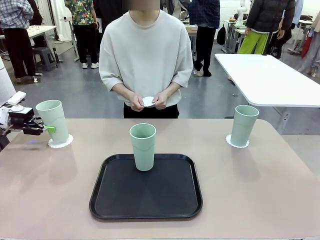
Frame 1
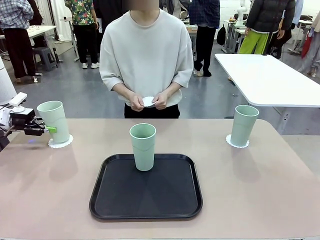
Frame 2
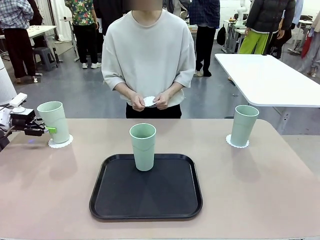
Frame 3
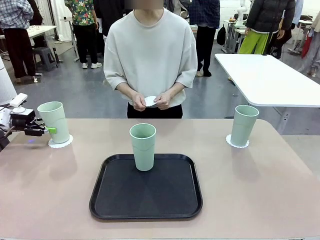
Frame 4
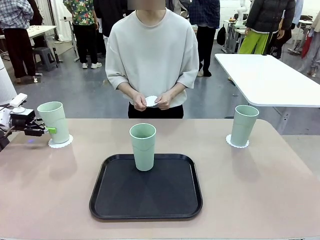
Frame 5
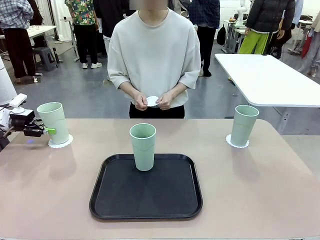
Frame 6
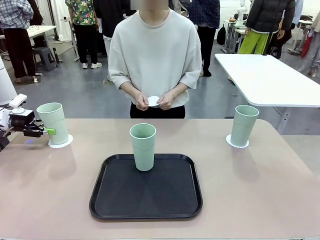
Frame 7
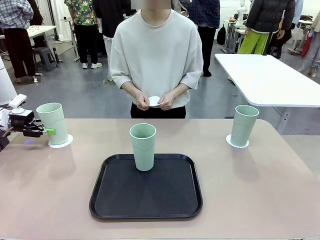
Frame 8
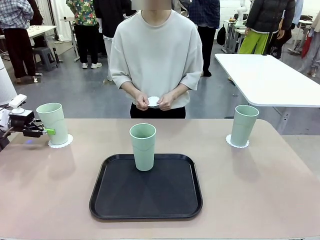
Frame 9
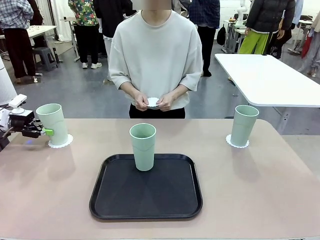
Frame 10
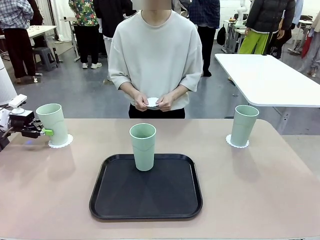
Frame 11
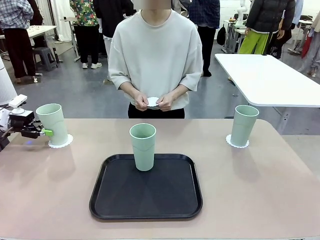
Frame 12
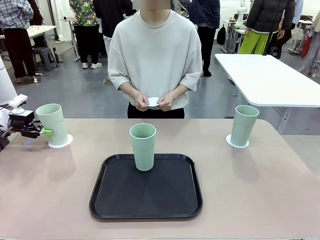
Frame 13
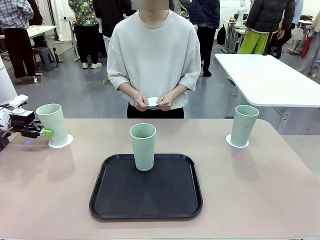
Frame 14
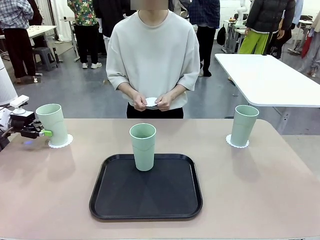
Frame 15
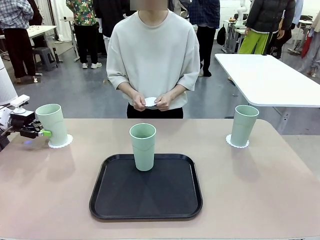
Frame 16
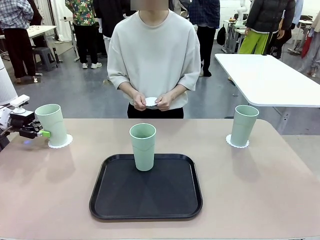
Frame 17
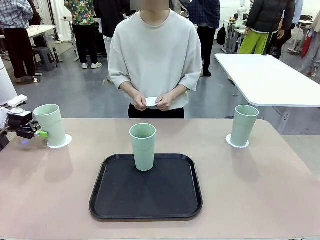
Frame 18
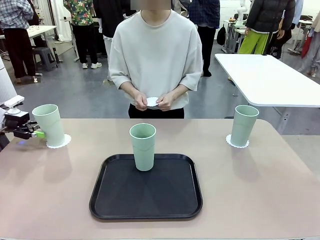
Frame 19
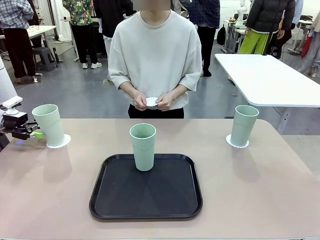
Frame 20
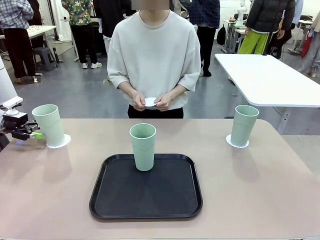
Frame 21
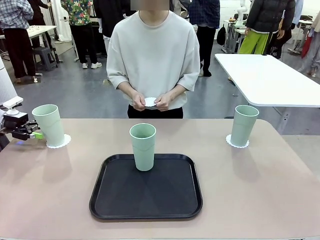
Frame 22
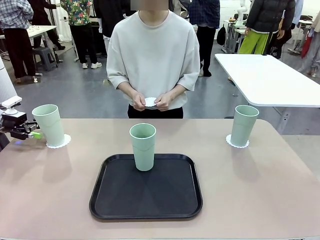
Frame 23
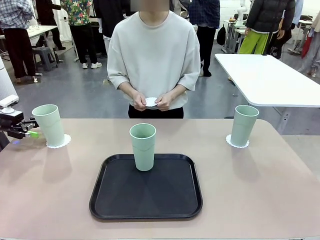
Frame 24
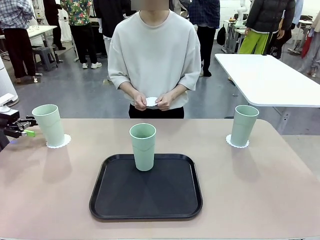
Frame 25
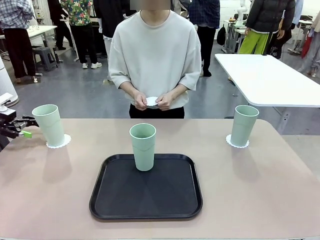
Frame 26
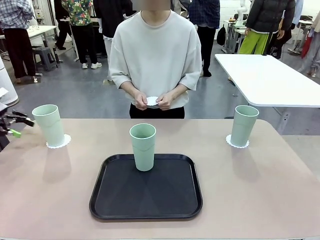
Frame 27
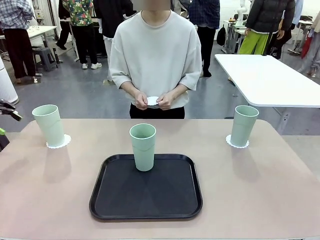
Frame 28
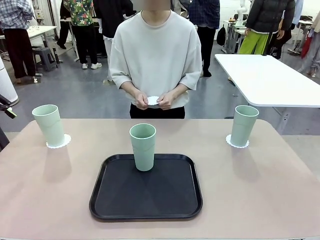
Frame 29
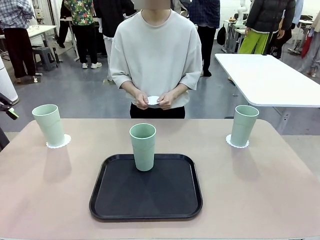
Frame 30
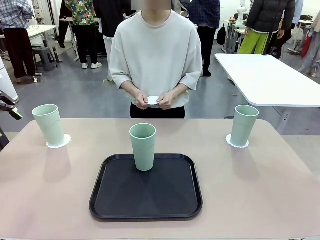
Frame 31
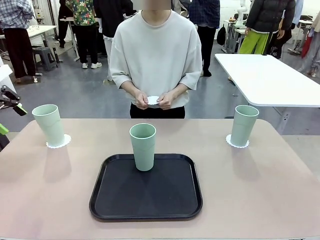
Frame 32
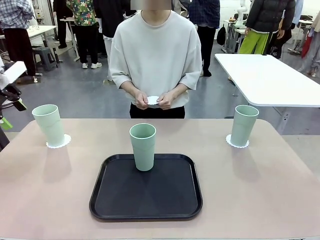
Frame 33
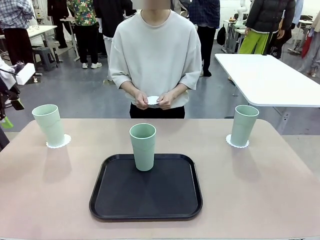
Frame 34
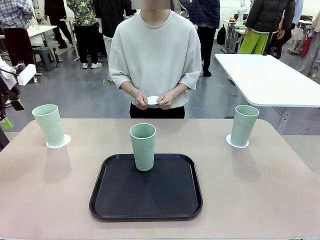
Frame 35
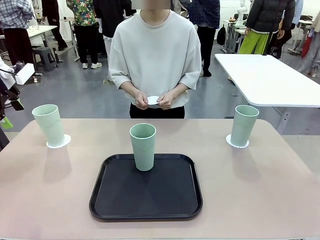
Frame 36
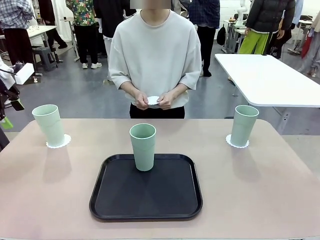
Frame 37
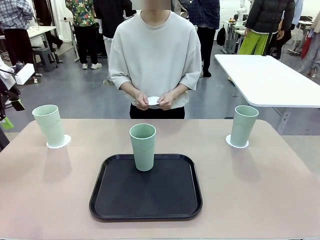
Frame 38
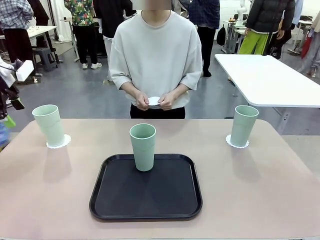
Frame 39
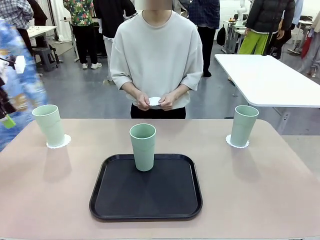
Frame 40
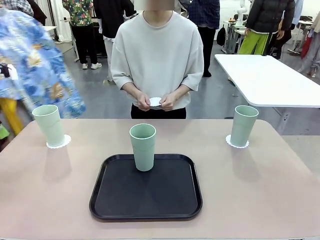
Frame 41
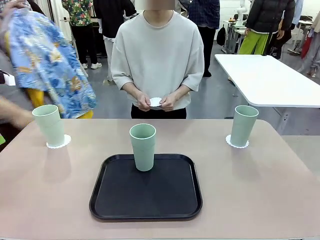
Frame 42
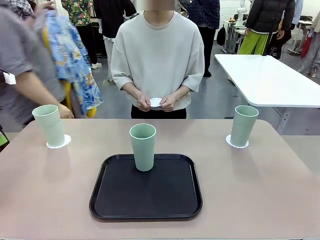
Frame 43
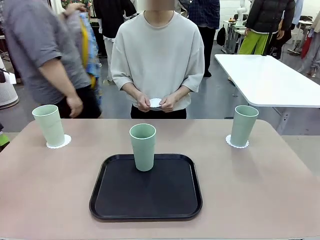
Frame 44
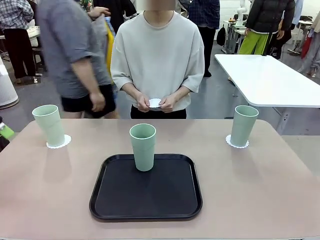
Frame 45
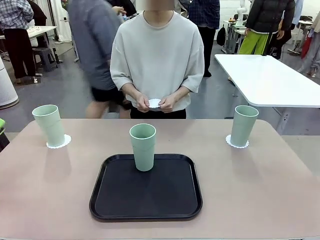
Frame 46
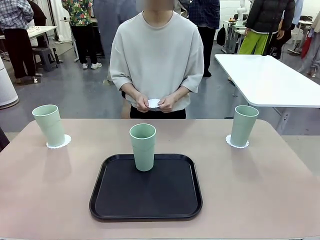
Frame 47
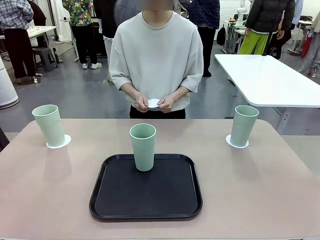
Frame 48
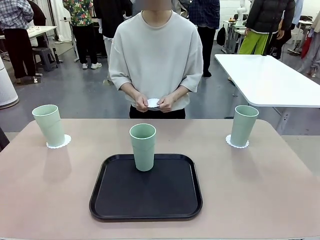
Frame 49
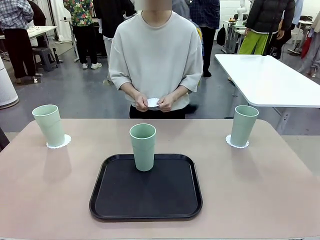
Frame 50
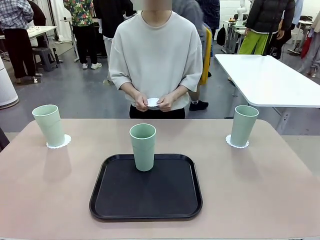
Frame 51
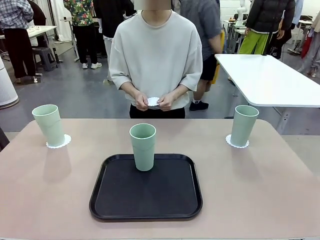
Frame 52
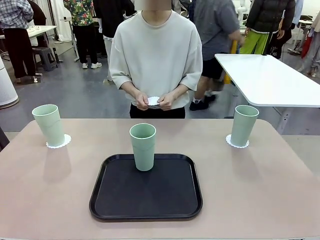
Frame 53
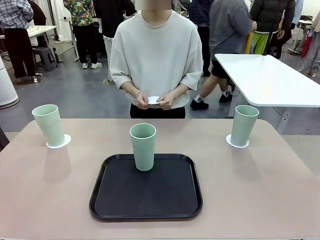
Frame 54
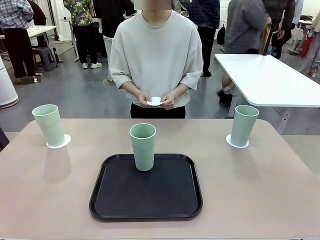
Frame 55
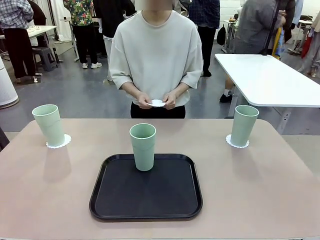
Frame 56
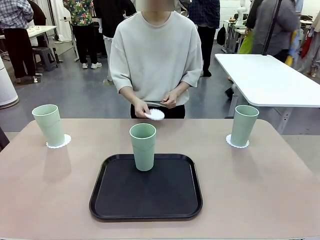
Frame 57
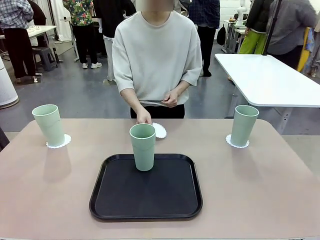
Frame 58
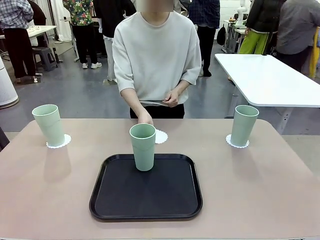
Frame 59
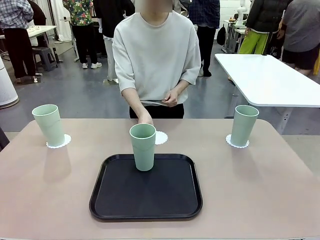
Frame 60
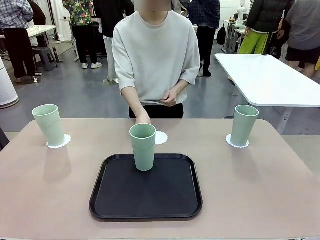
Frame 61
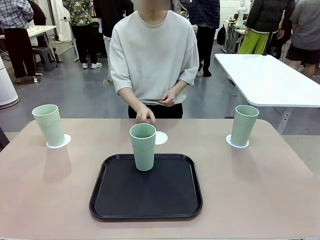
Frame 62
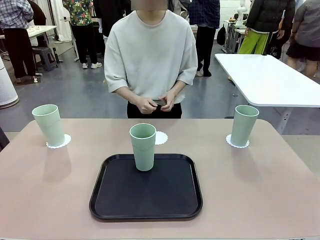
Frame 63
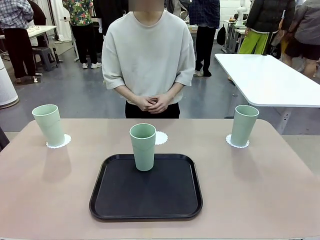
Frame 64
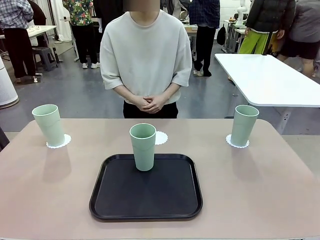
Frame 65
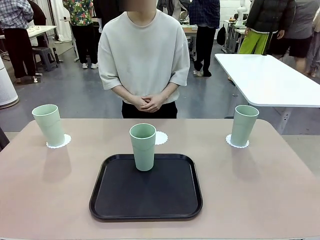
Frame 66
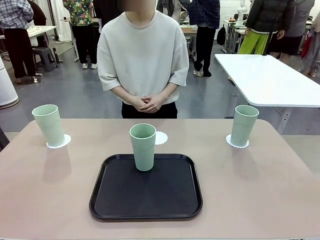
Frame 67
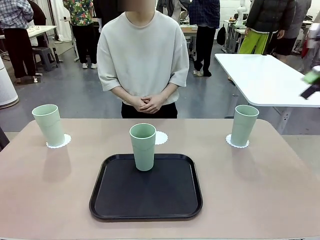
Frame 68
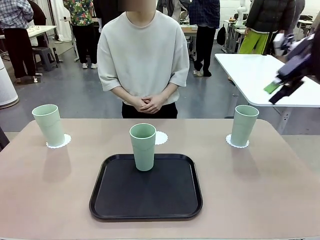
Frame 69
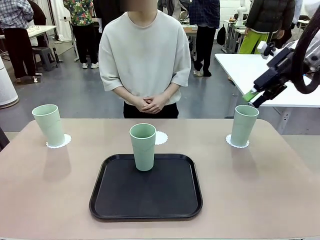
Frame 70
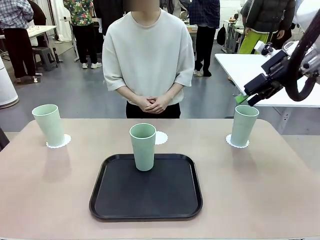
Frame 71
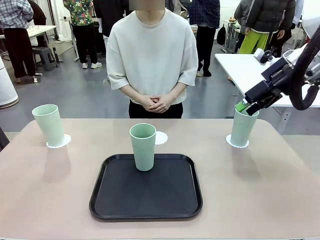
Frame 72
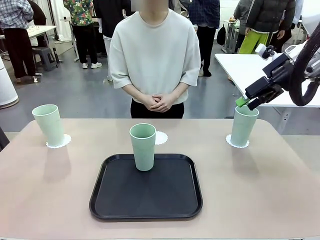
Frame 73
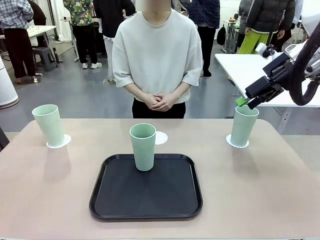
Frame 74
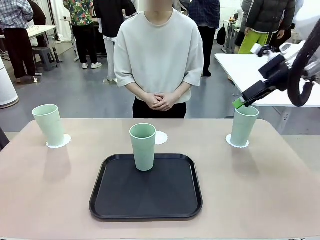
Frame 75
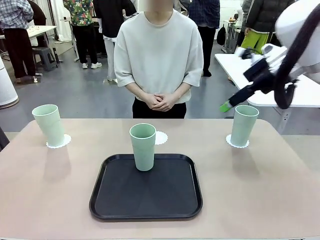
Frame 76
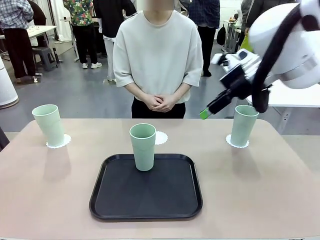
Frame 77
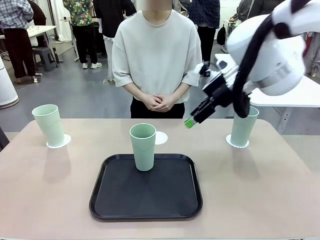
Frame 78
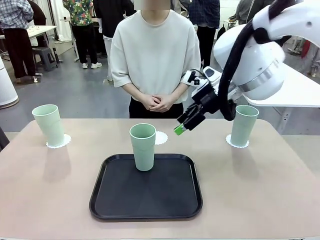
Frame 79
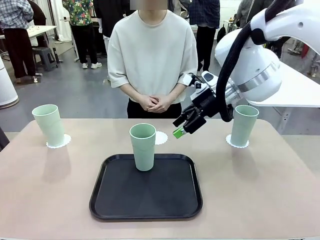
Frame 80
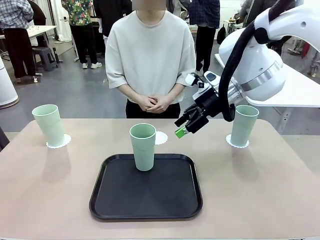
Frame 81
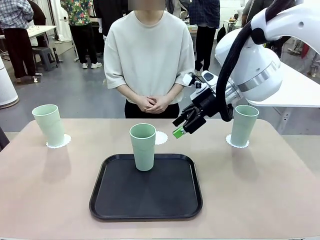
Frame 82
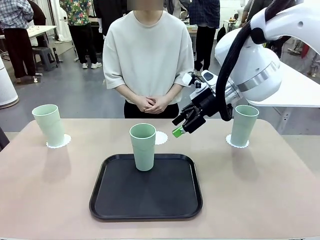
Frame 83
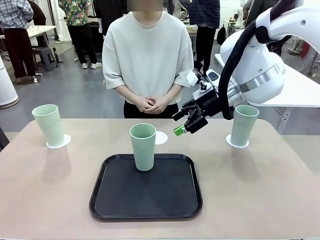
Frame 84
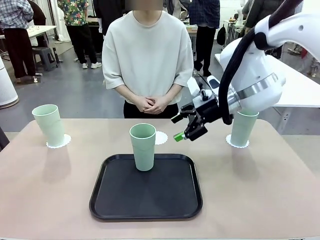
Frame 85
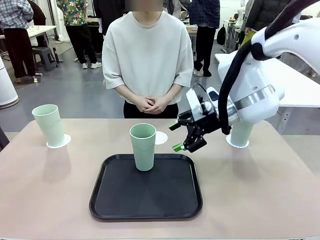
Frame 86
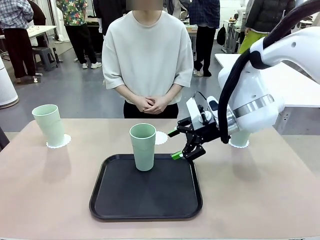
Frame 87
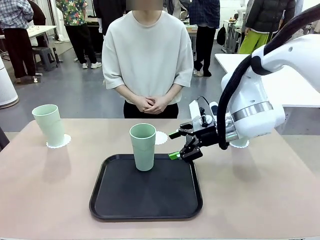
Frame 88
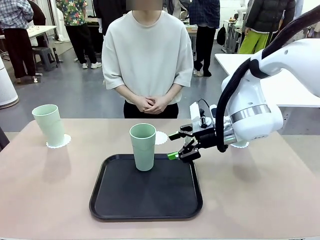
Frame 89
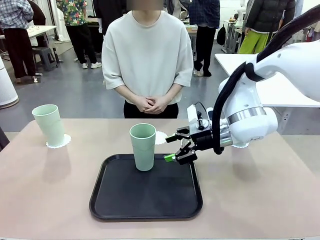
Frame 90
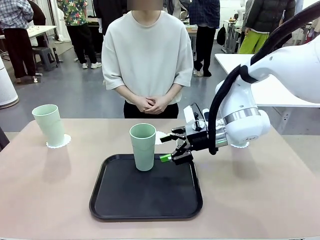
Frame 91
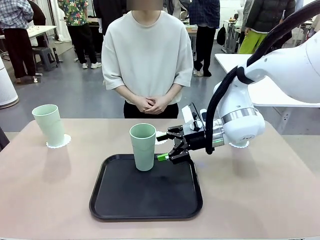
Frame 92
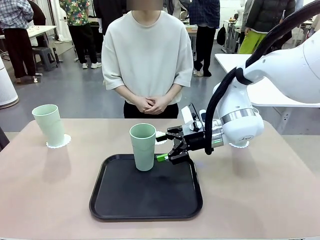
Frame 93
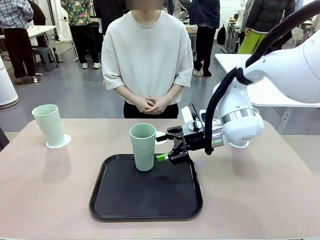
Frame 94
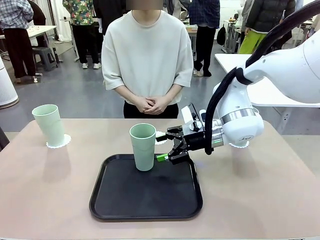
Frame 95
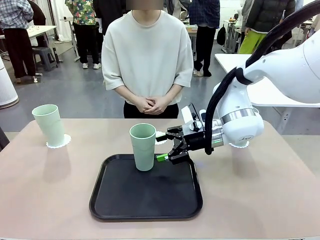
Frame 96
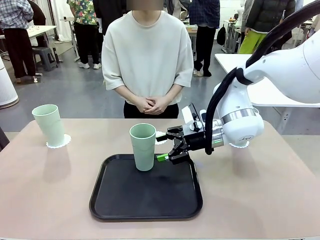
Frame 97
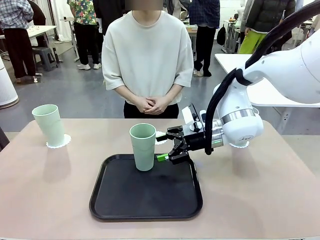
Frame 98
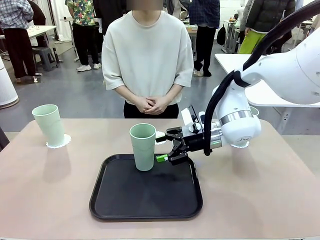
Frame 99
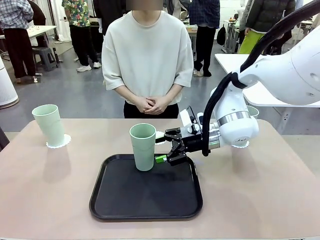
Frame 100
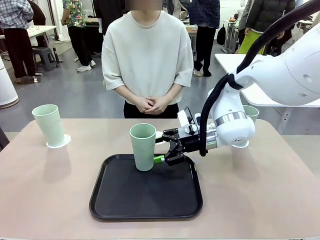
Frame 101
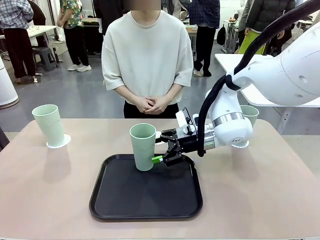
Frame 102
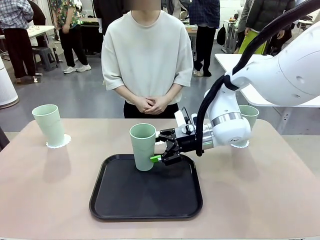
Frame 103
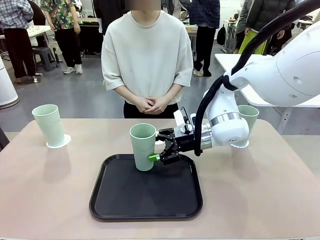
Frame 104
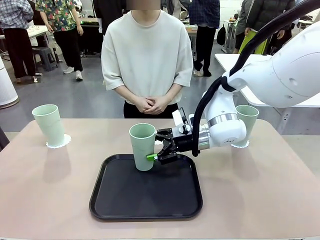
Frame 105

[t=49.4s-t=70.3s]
Task: Place coasters on the table and set cups on them.
Robot: Take one Reusable plastic cup from the Flat Tray and place it on a coaster set by the human.
